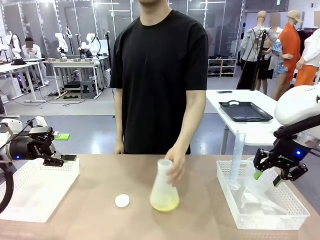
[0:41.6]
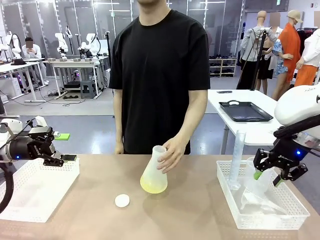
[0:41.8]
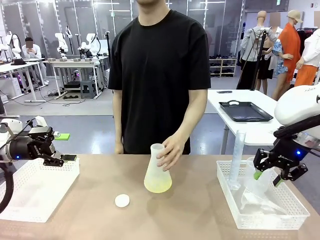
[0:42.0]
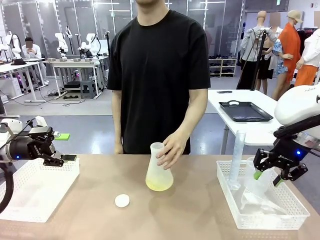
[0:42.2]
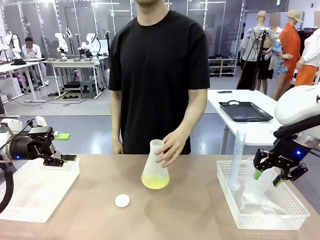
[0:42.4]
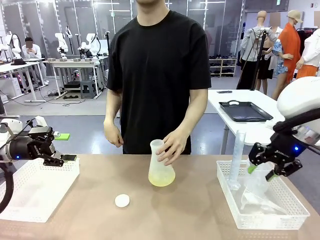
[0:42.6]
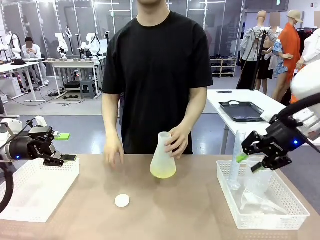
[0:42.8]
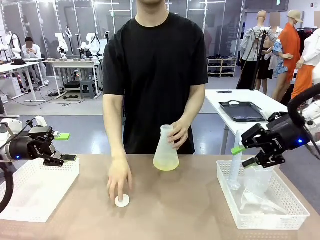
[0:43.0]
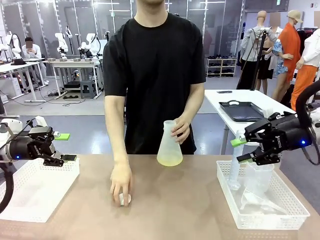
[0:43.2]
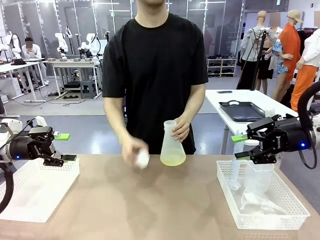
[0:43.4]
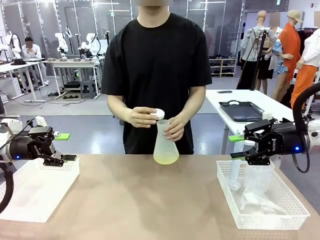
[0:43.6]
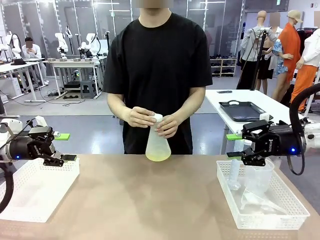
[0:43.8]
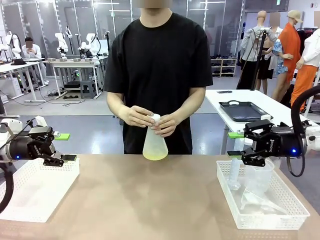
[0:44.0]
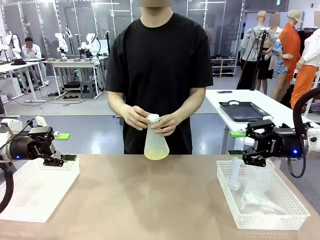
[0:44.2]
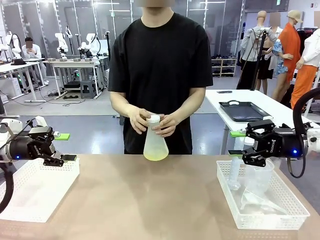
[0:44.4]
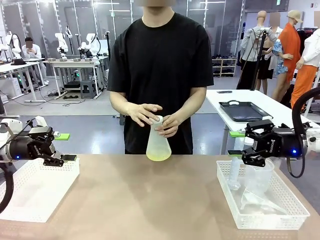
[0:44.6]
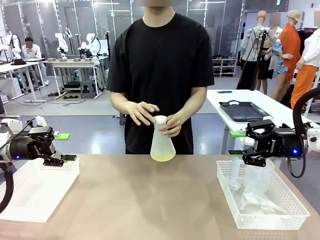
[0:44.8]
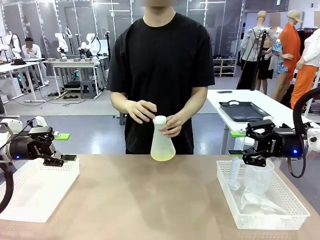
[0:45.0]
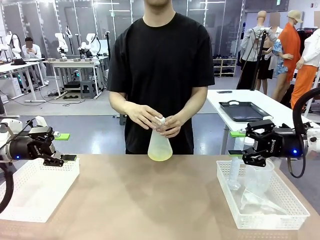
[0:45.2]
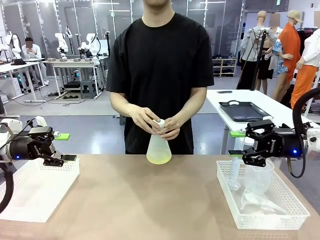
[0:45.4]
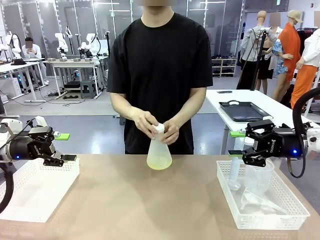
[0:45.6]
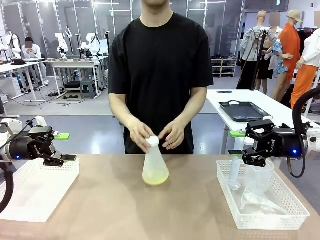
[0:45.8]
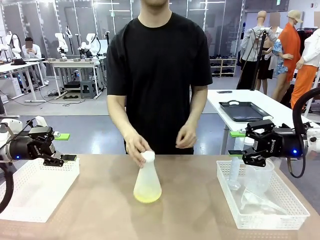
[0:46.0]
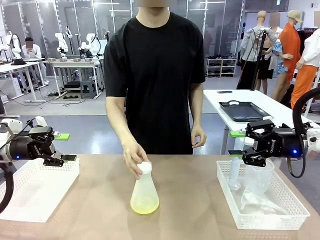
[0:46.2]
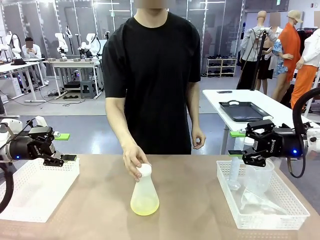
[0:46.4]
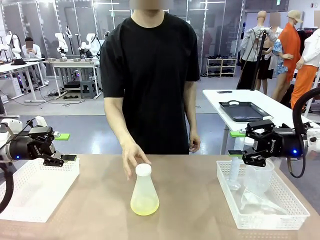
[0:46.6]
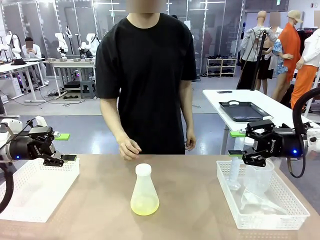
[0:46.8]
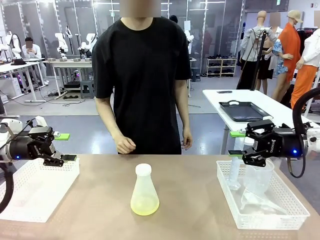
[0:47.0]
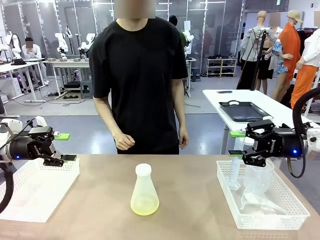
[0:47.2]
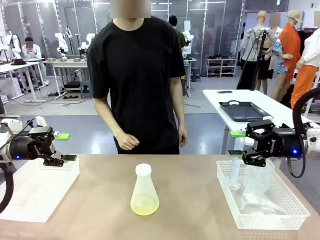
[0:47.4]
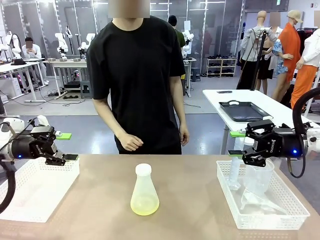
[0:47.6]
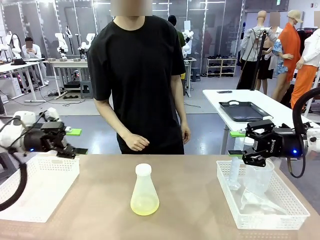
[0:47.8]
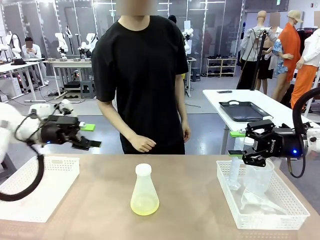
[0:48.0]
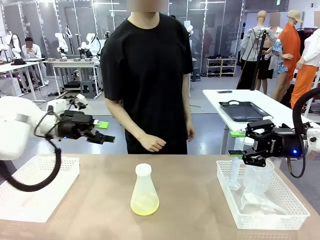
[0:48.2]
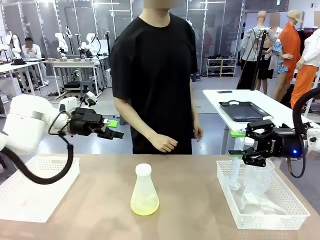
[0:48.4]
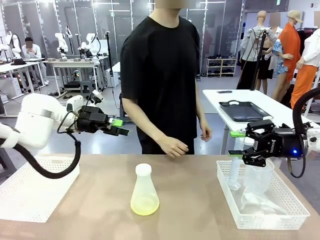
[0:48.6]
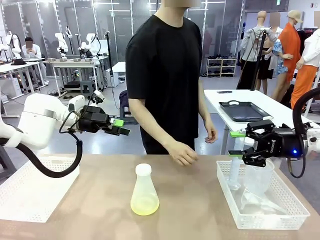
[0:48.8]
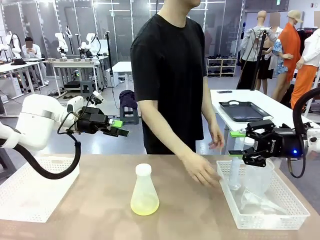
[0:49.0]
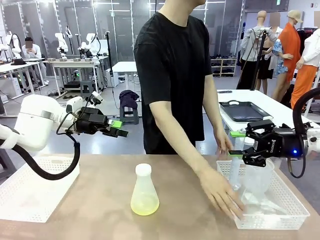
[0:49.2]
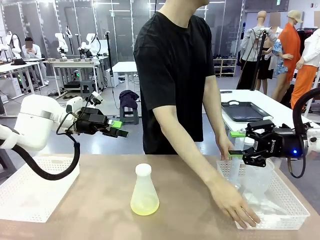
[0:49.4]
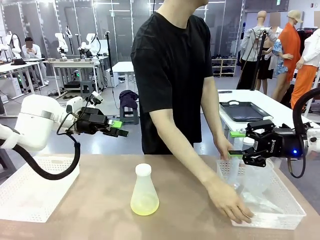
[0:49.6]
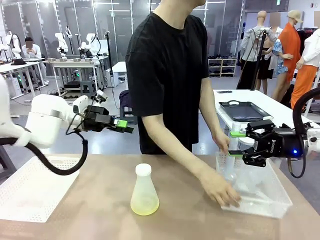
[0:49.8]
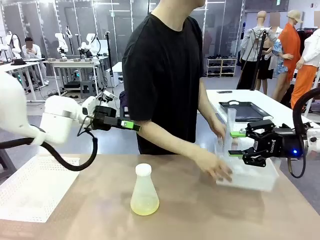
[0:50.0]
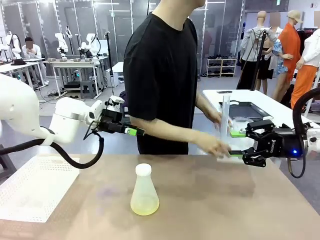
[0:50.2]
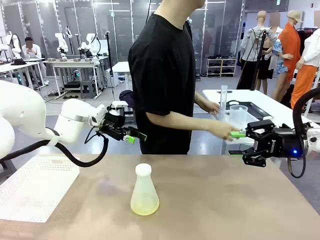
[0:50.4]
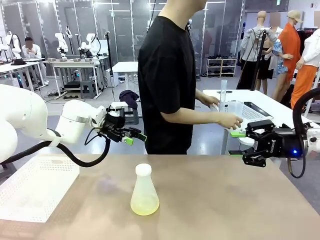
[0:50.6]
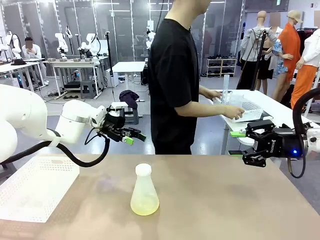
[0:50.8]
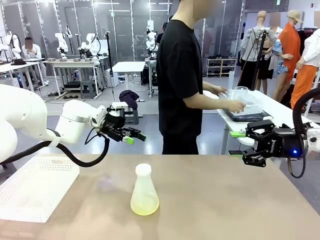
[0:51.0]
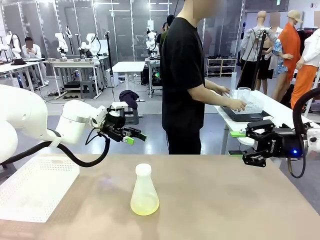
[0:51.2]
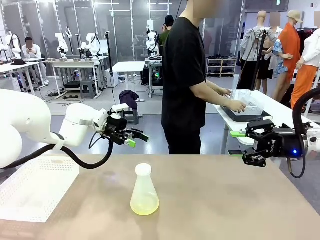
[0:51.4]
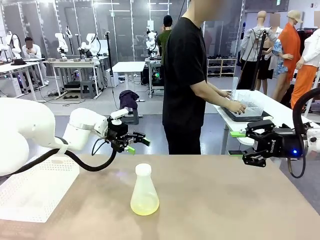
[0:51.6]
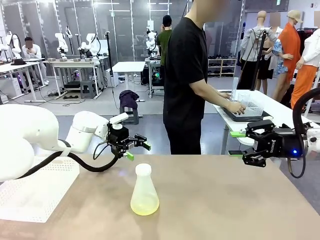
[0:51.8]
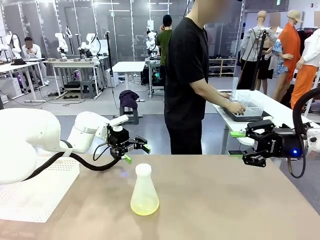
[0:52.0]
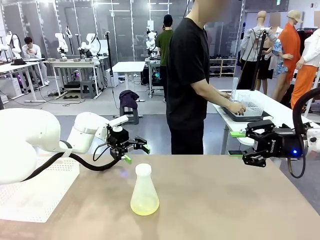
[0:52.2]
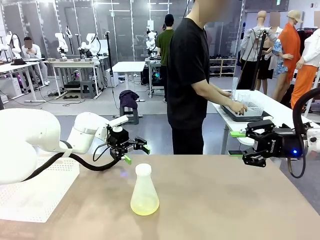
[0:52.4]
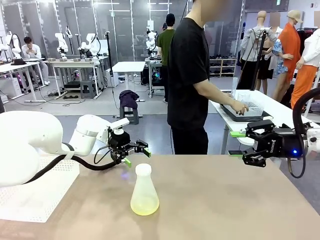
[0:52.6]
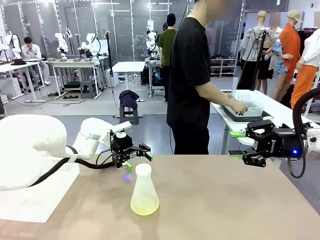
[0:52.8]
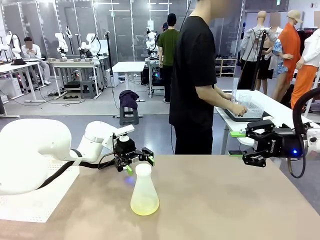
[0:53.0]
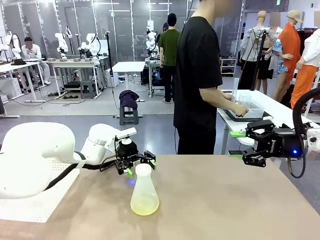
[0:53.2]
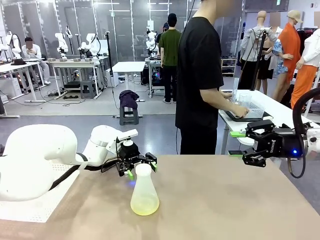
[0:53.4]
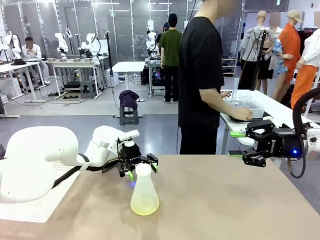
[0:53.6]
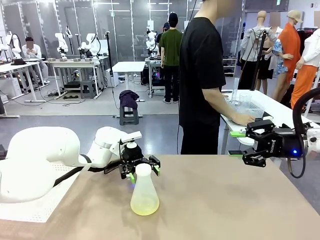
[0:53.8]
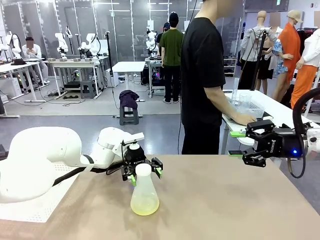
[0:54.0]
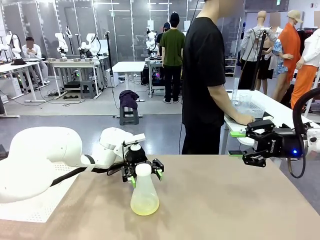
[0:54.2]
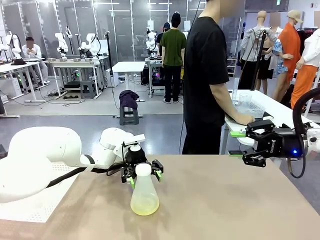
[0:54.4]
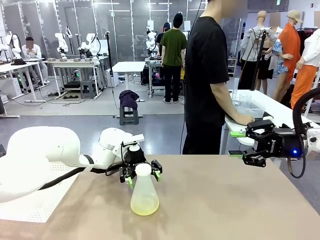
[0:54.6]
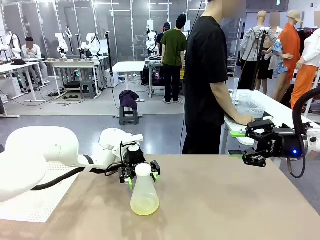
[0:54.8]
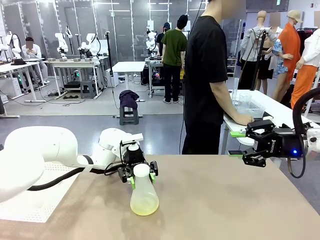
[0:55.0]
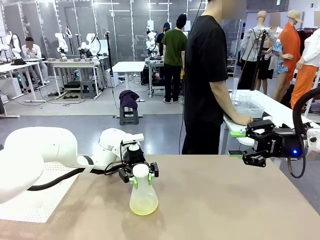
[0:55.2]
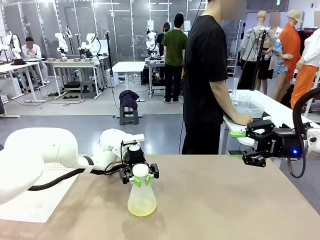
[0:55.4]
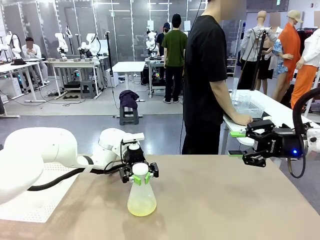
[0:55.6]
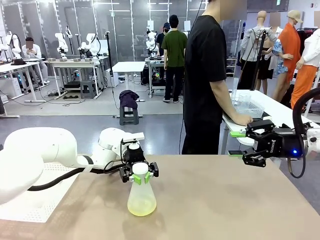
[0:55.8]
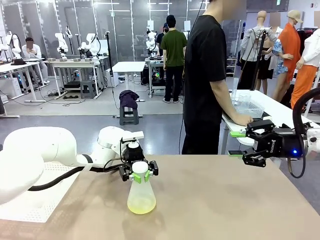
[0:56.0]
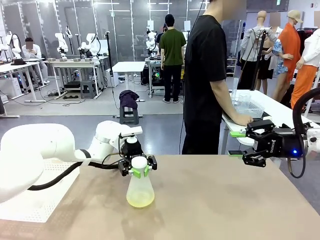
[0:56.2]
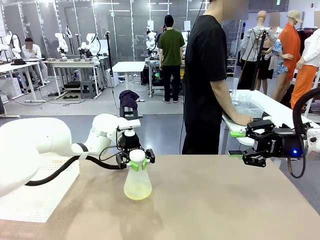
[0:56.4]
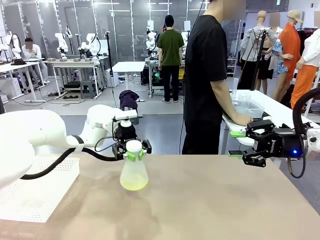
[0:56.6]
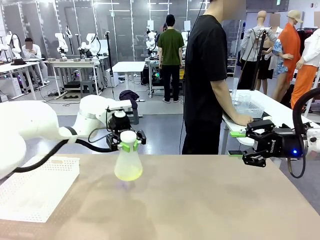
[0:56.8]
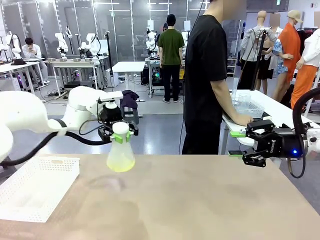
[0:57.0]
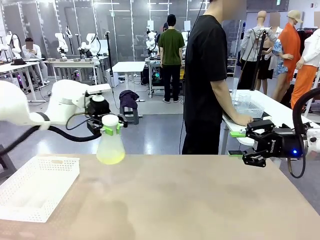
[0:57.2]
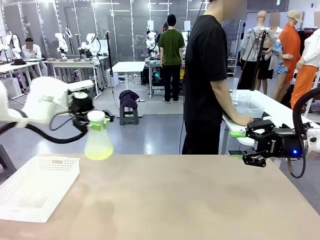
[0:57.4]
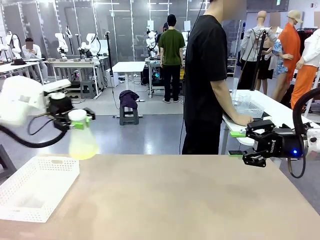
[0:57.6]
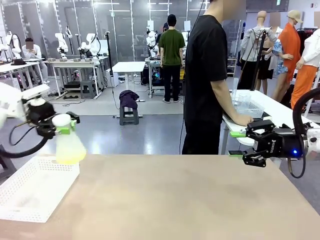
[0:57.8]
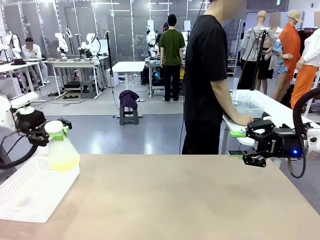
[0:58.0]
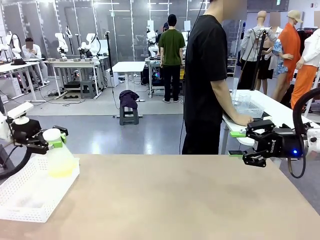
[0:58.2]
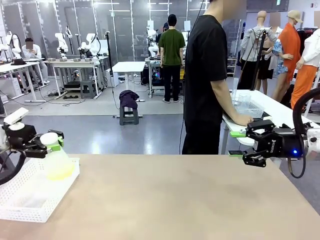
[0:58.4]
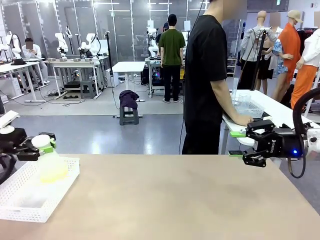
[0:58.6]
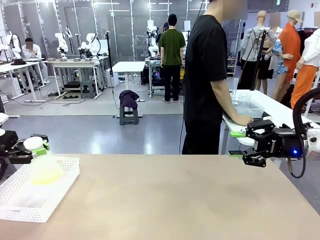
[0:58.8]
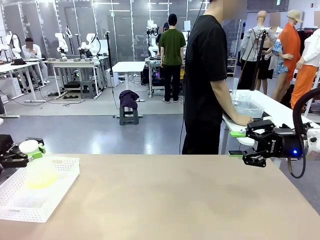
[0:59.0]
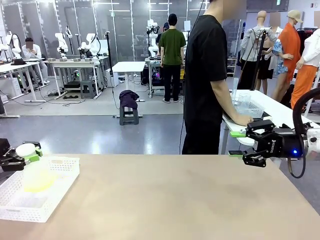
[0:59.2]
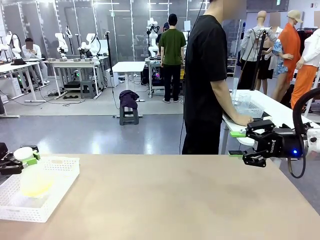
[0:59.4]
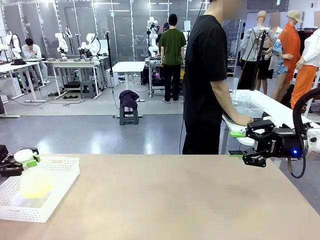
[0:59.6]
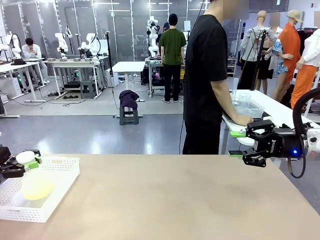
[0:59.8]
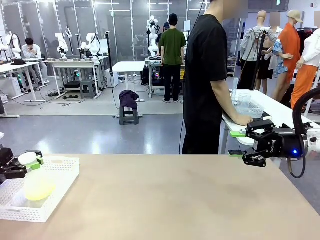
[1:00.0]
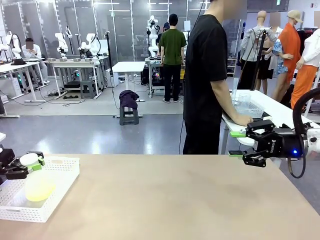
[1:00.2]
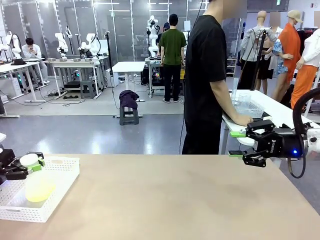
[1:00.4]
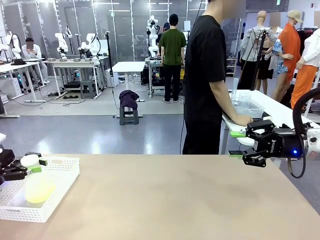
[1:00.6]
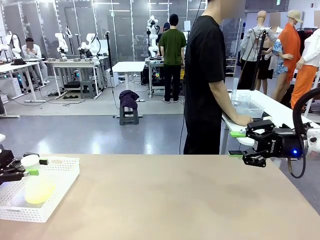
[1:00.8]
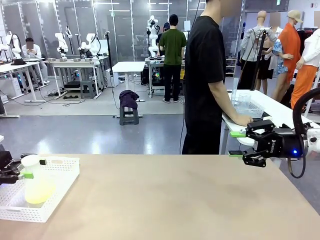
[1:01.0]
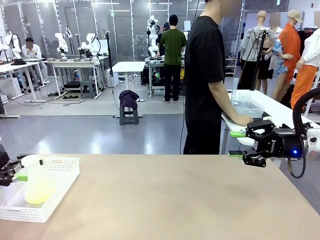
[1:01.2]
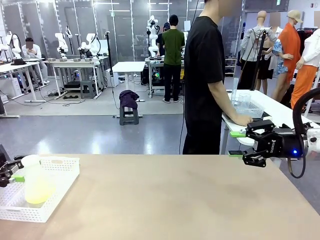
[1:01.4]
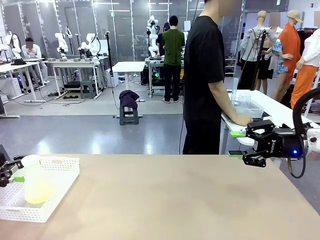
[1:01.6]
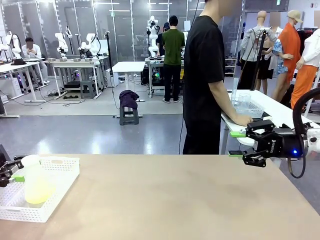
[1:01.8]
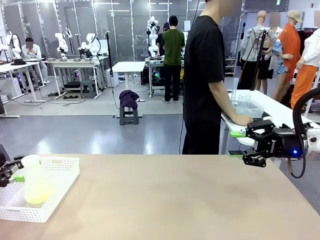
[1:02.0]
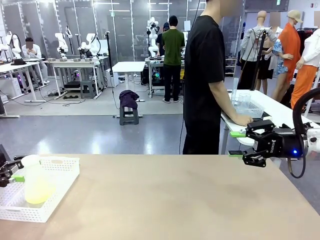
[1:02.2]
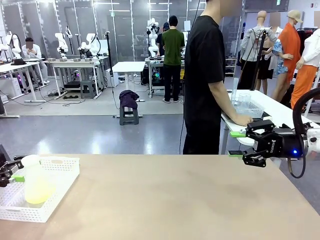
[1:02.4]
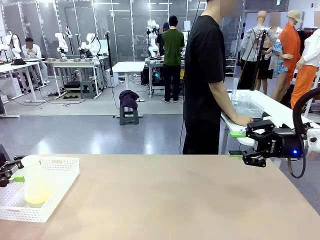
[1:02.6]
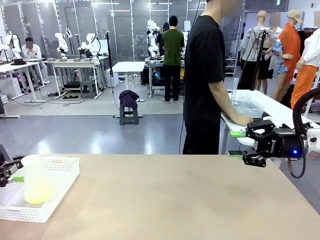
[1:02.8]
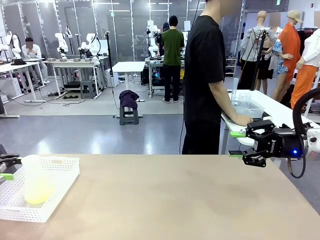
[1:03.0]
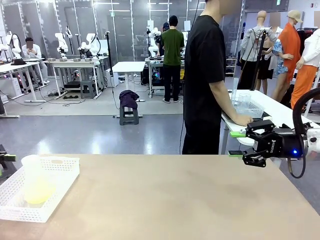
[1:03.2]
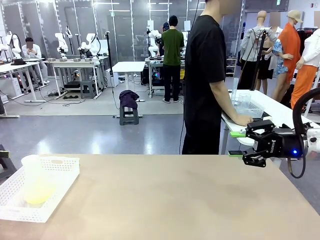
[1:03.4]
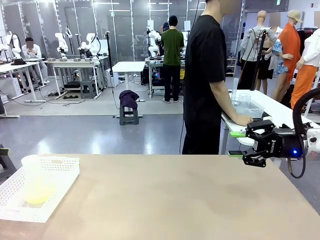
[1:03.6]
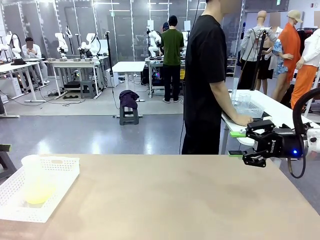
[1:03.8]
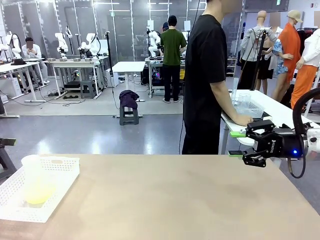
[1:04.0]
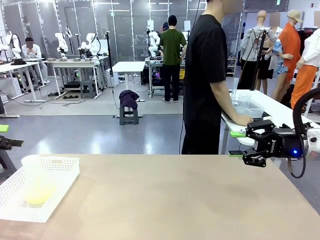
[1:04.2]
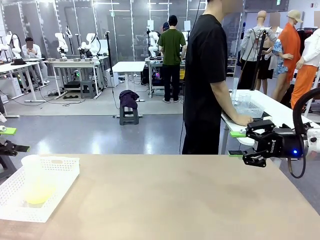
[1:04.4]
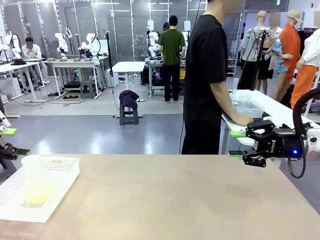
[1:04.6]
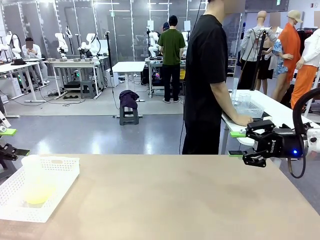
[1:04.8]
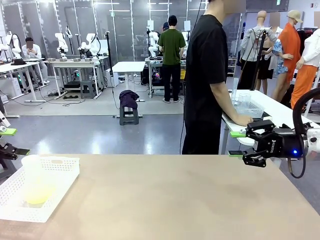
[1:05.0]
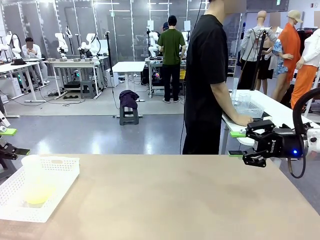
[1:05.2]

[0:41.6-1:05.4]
Task: Prepare the solutions needed for the experiment.
Robot: When the human places the Big flask in the center of the table, pick up the Big flask and place it in the left Organizing basket.
Person: Pick up the organizing basket on the left side of the robot table and place it on the left side of the human table.
